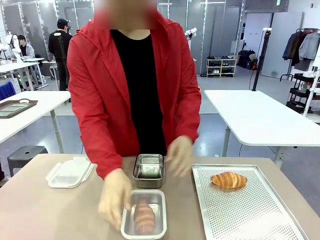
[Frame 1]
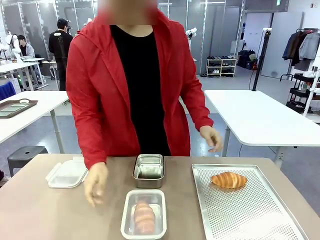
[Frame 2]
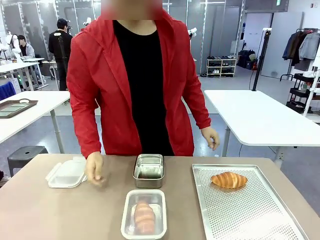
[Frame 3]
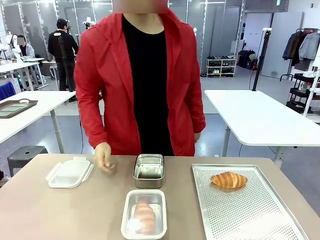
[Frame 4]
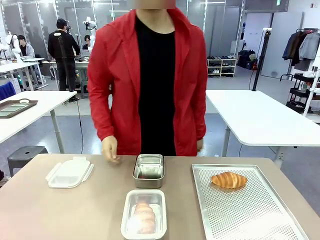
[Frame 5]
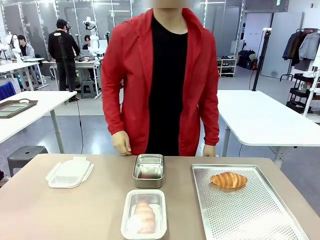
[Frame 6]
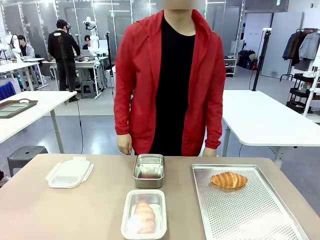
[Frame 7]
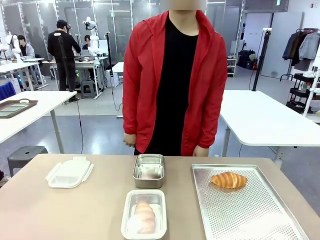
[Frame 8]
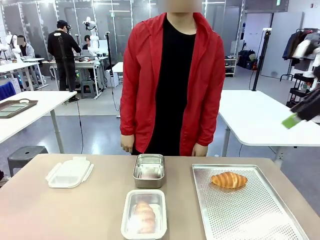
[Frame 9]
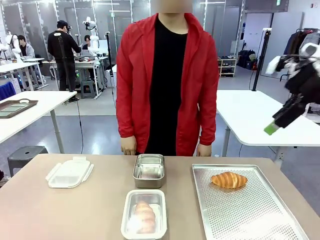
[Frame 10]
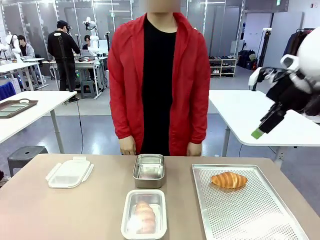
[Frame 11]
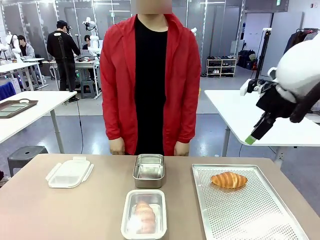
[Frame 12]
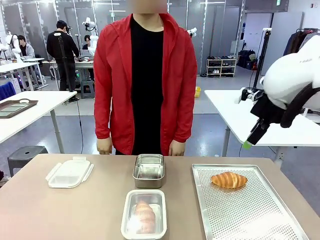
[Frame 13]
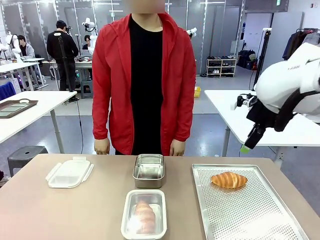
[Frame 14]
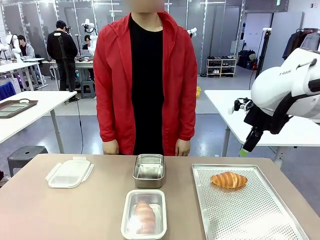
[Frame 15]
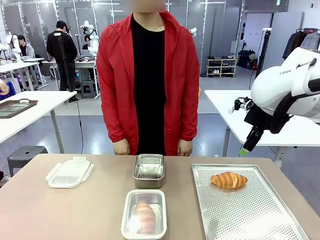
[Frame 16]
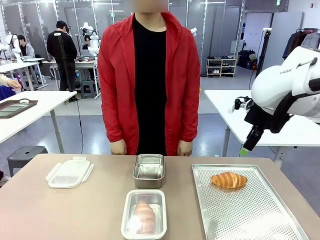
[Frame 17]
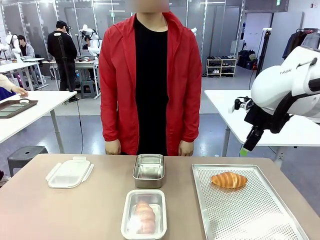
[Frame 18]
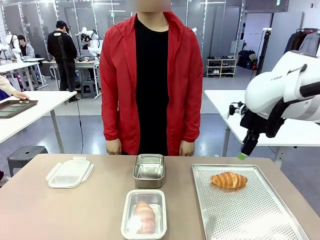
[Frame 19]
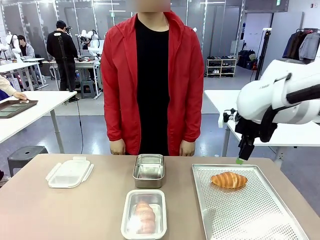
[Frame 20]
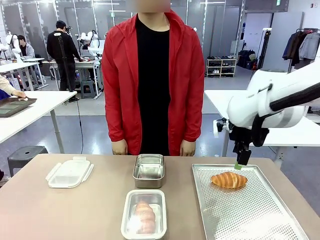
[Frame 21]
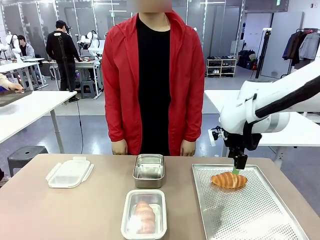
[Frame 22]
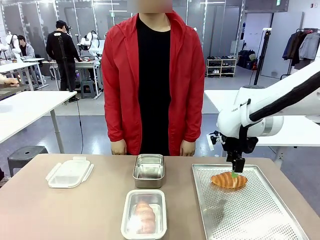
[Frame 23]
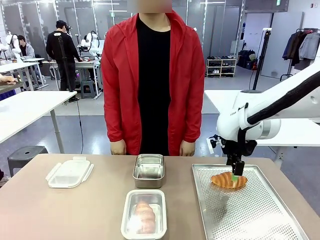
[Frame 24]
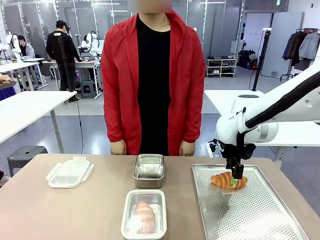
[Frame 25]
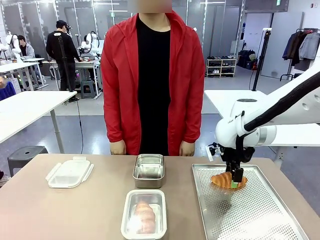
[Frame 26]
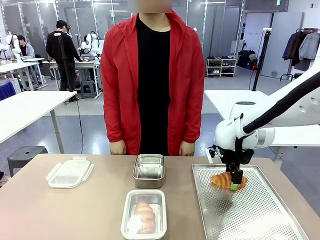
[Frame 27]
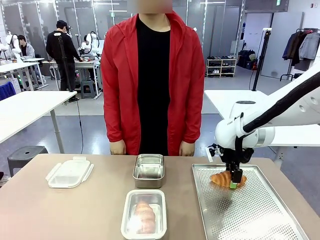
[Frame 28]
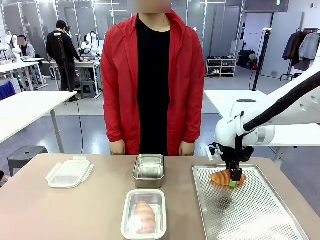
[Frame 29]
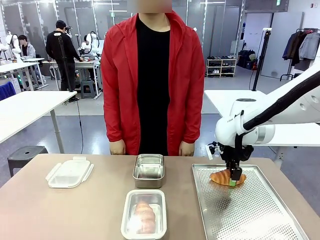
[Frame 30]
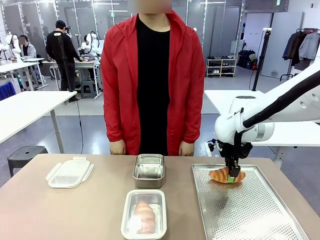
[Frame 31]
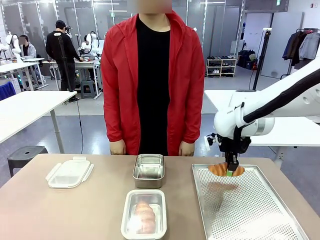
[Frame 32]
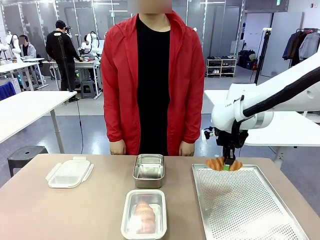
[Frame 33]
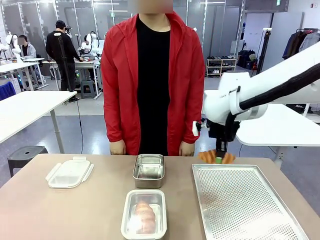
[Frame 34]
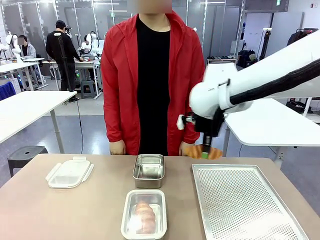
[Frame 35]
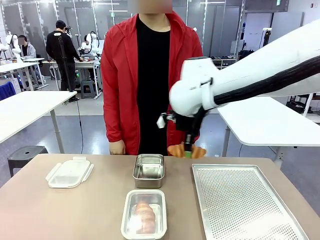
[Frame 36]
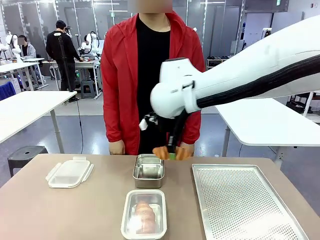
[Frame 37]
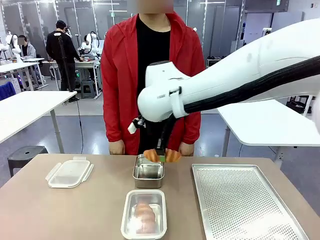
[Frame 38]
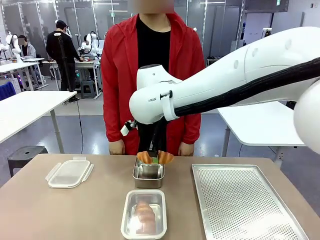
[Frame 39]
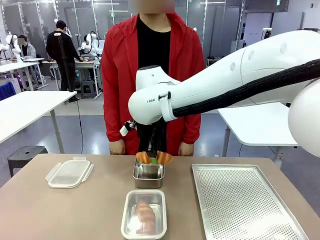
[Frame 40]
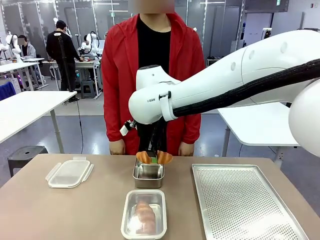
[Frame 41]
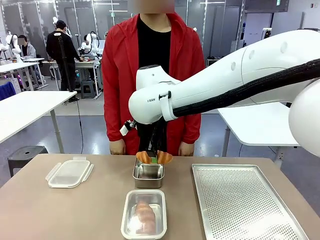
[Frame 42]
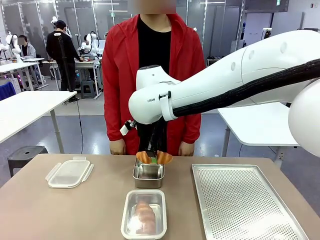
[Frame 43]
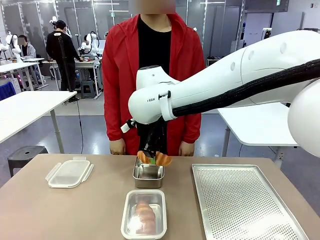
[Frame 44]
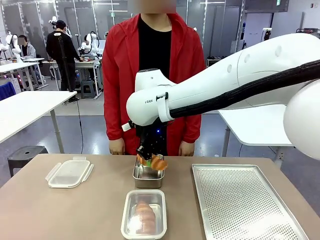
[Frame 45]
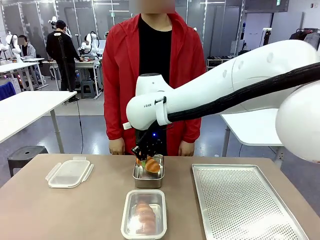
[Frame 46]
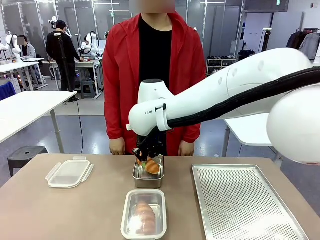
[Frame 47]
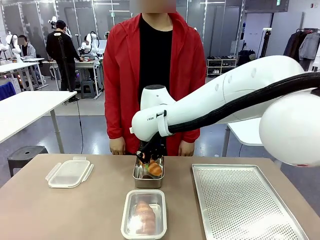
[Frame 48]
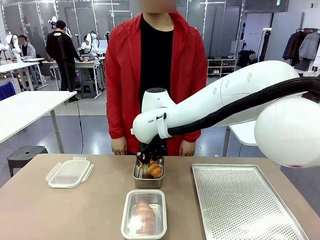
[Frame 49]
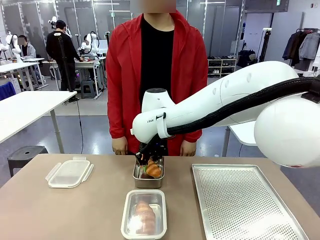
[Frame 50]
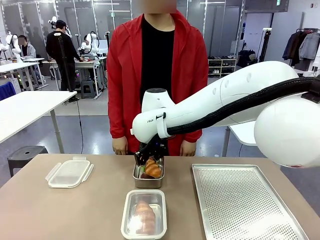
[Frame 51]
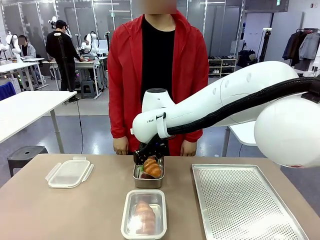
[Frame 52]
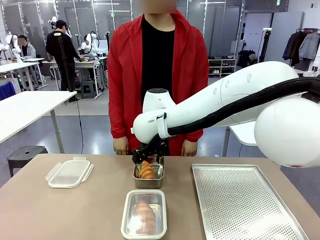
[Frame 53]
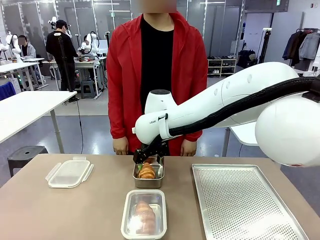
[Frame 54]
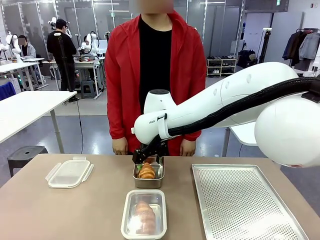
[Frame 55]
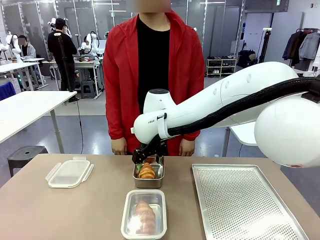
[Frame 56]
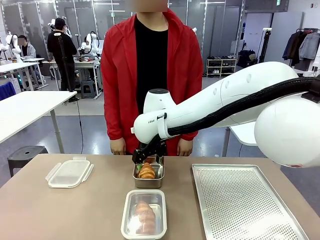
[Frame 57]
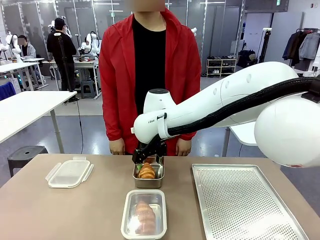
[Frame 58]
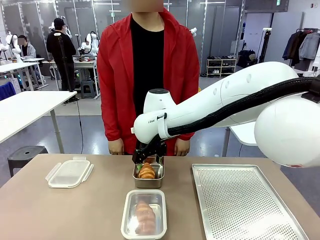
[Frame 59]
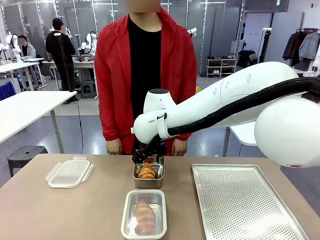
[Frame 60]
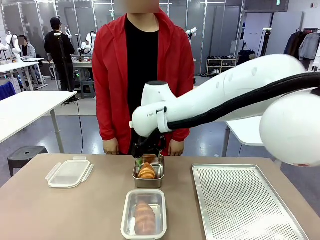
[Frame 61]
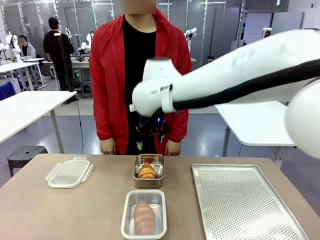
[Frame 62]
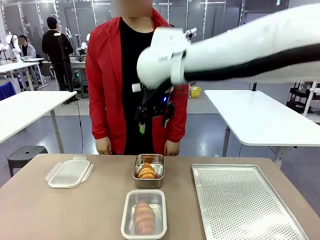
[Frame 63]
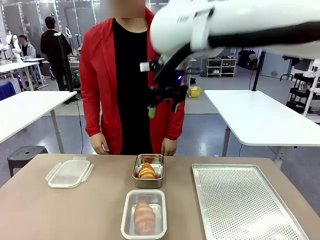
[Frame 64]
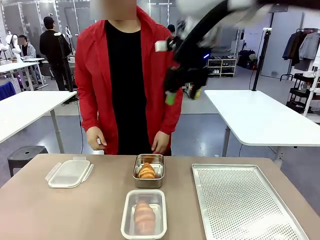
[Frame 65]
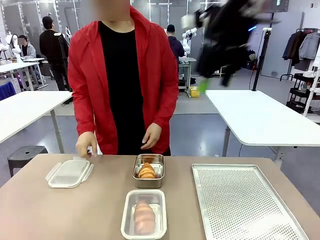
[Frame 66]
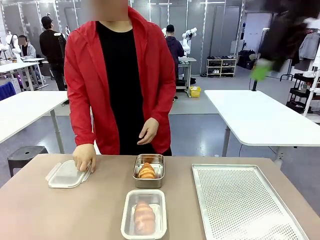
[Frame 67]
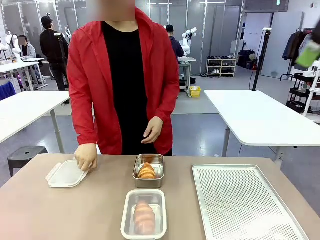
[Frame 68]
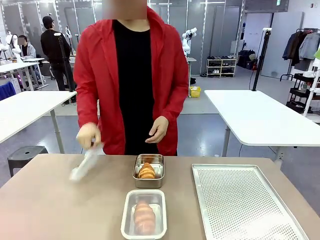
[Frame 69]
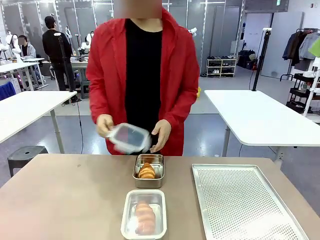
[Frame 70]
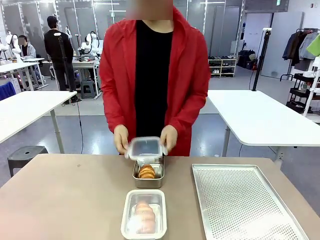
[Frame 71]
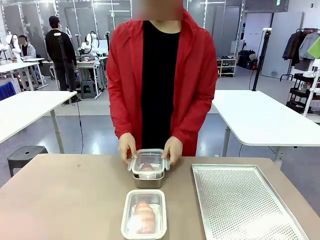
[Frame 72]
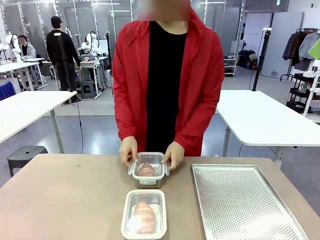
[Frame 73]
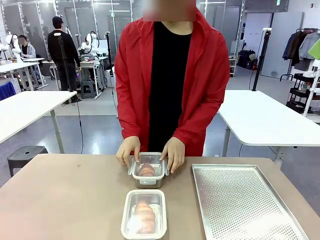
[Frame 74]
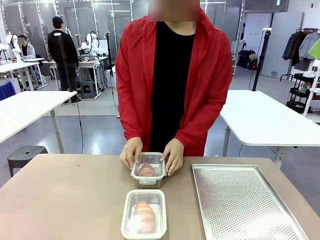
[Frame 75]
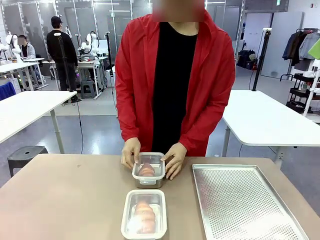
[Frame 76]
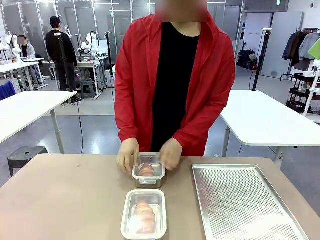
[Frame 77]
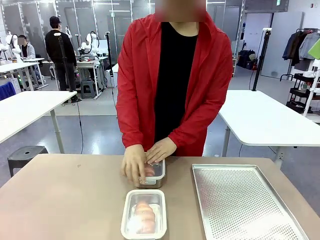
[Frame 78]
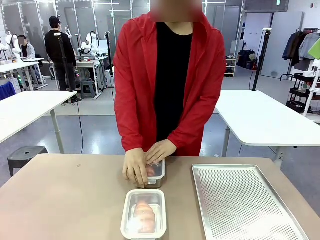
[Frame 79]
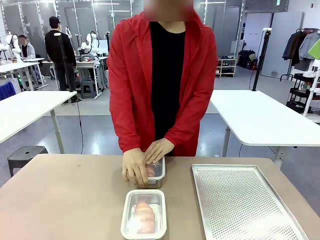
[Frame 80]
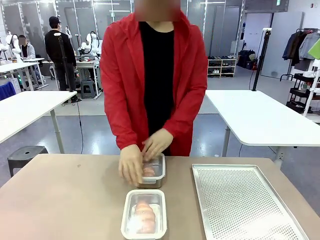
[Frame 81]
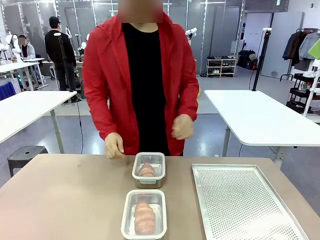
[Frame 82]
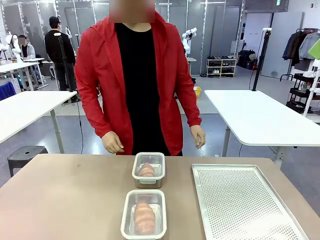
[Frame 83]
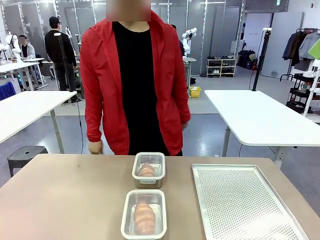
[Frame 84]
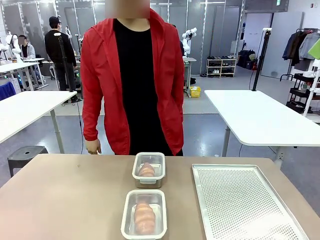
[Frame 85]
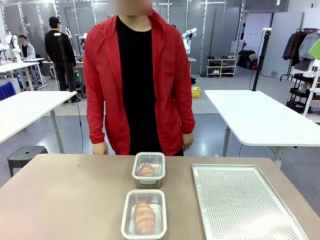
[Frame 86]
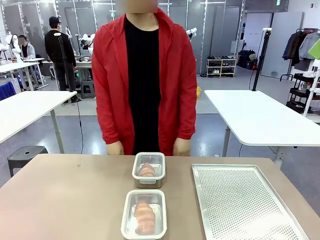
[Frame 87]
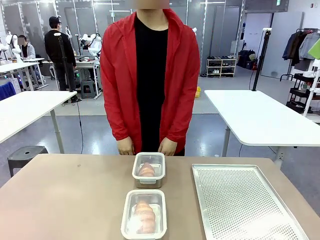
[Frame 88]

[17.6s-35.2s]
Task: Place the bread into the airtight container.
Robot: Pick up a Butter Roll and place it into an empty Airtight Container.

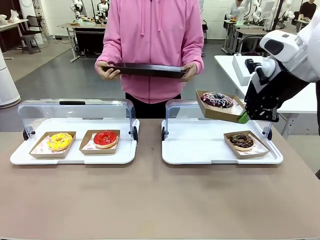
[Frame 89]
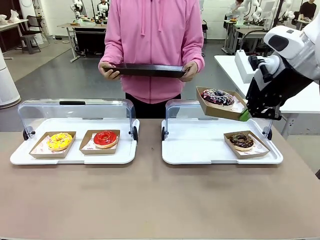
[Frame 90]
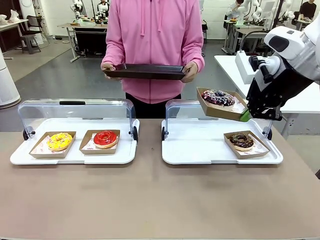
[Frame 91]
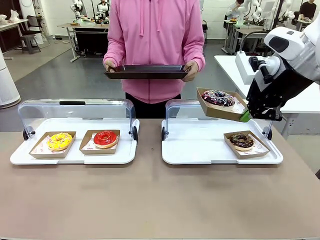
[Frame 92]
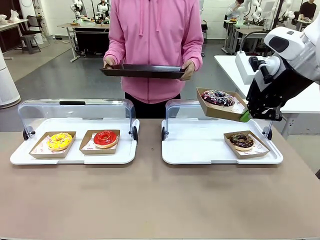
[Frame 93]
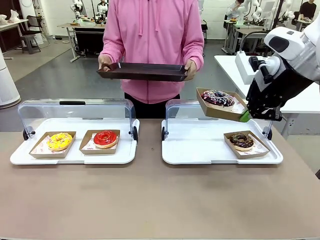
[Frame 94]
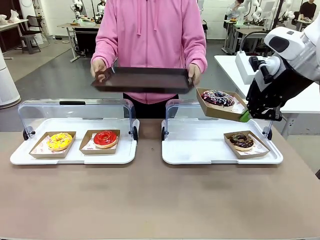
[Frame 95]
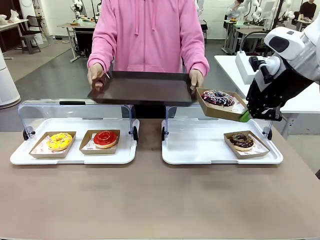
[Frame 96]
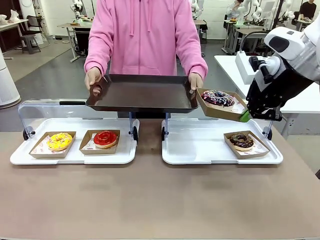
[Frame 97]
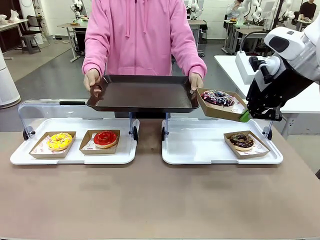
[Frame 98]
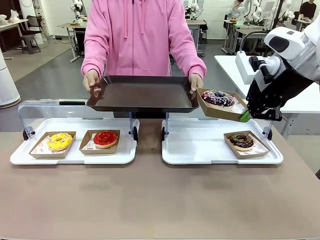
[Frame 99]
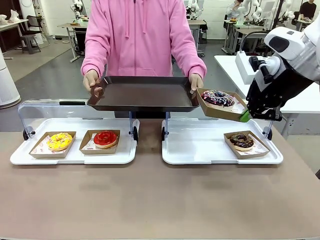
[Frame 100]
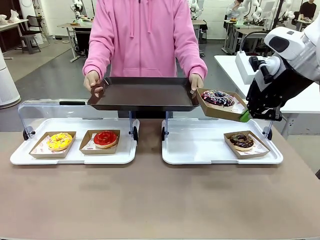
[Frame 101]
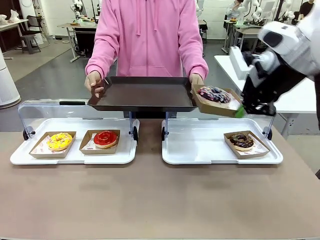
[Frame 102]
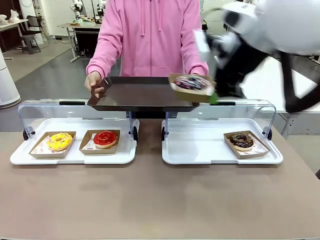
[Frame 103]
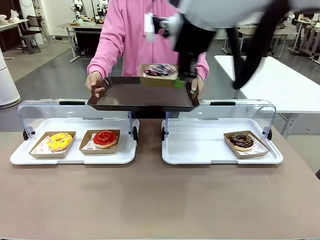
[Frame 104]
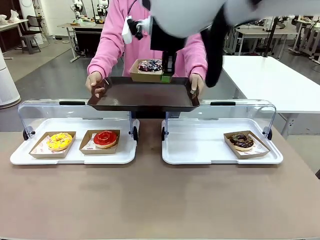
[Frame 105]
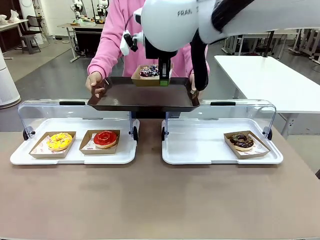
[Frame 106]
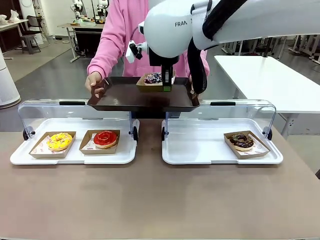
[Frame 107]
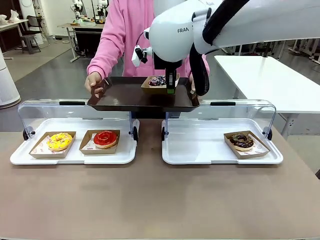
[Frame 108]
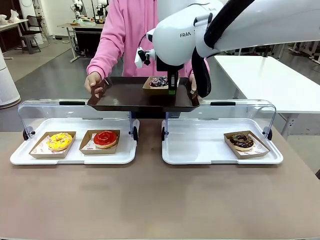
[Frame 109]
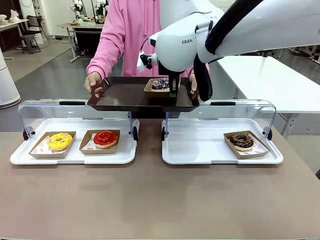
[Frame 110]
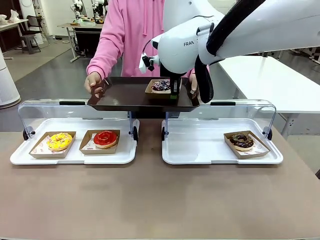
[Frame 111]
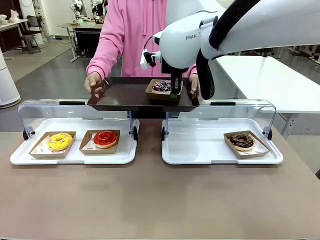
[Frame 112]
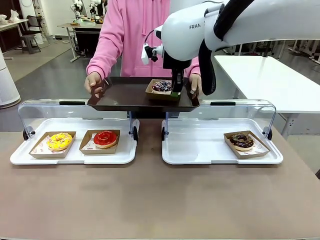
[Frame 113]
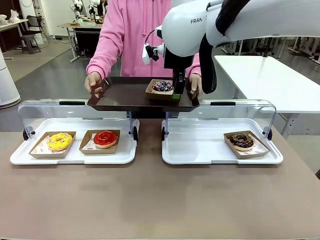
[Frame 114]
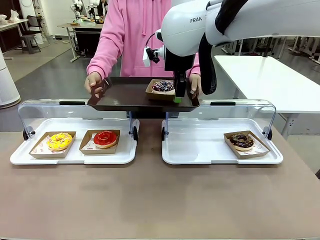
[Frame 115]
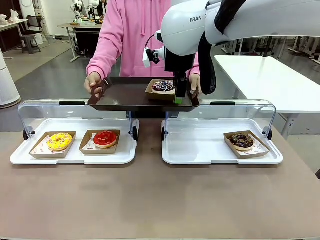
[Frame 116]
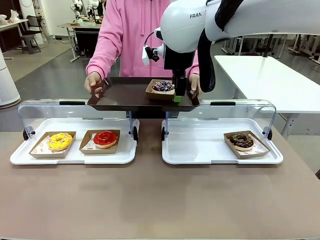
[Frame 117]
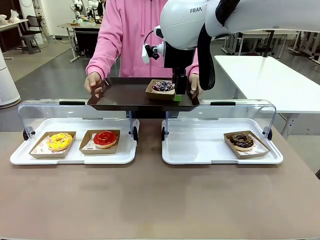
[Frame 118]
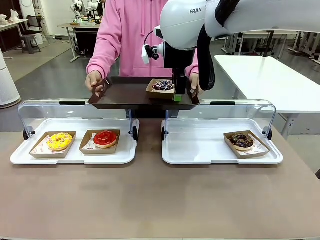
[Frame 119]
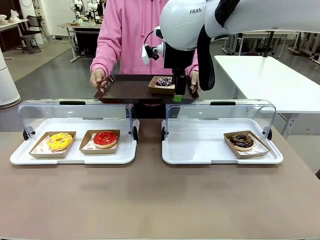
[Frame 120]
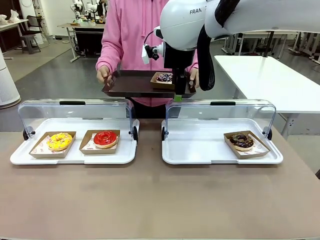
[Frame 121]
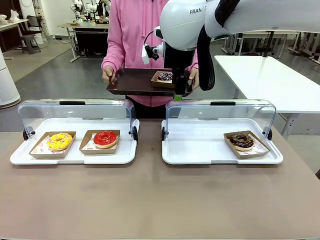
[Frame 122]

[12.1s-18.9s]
Task: Provide the desired donut to the person.
Robot: Place the picked Paper togo box onto the Handle tray extended by the person.
